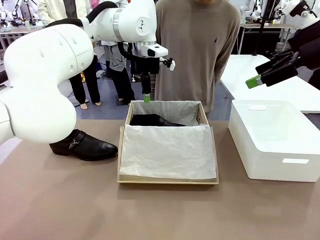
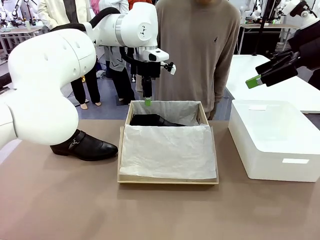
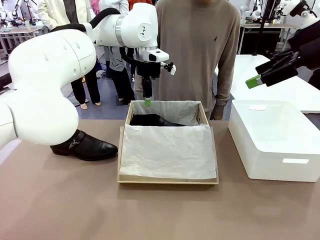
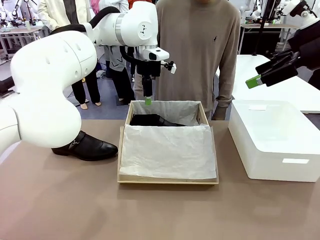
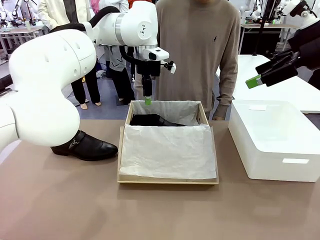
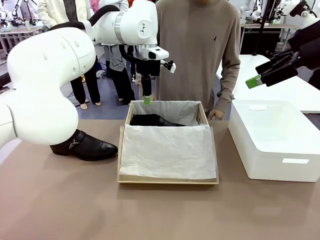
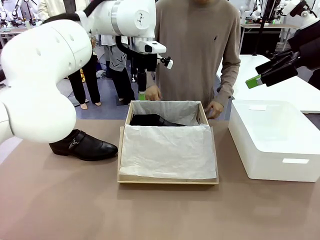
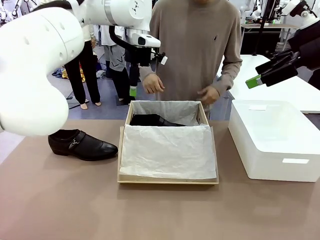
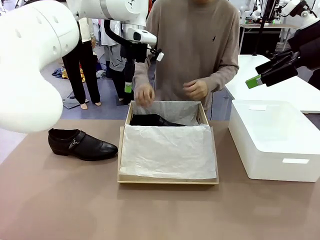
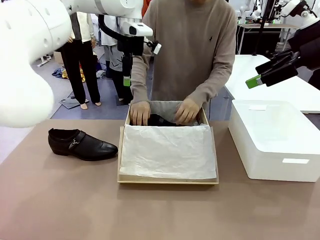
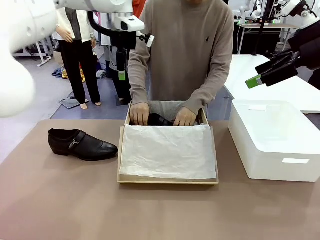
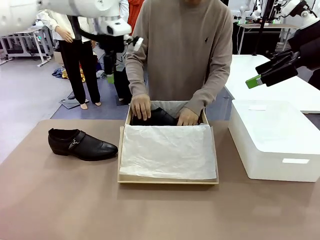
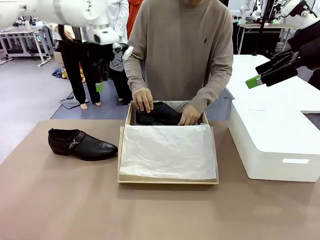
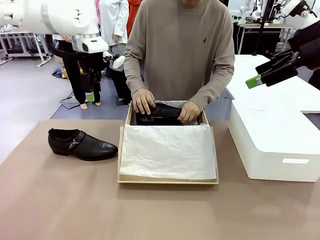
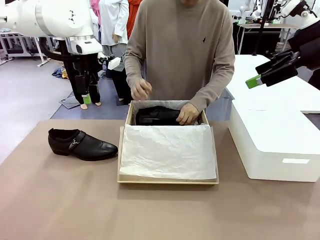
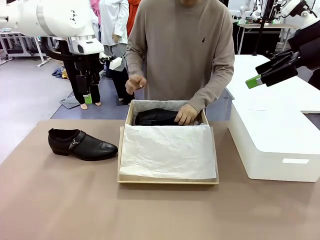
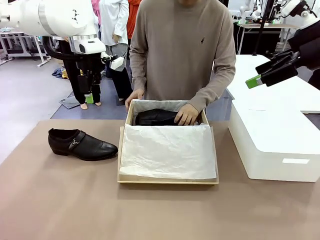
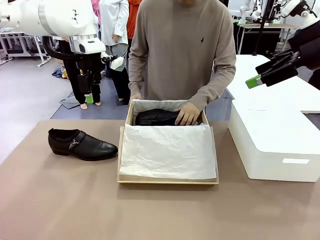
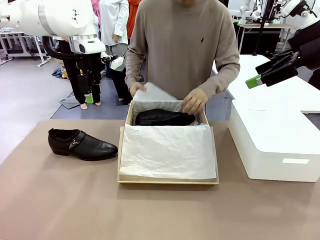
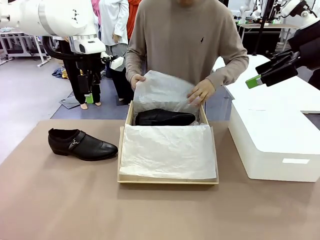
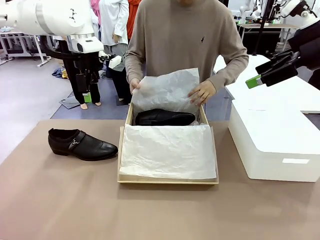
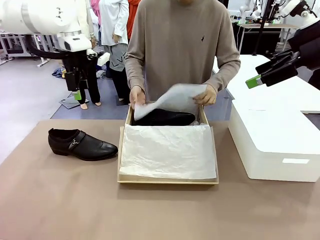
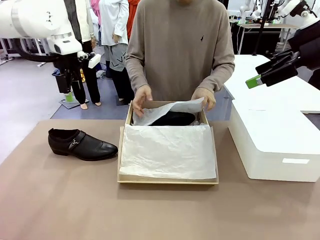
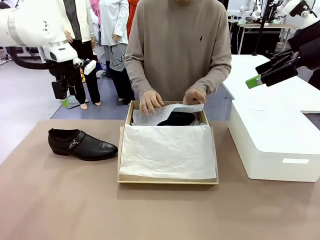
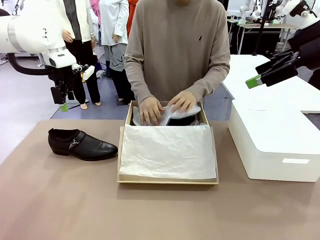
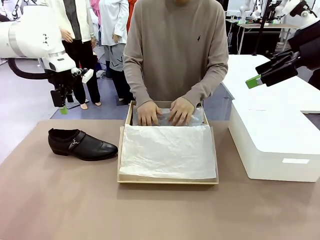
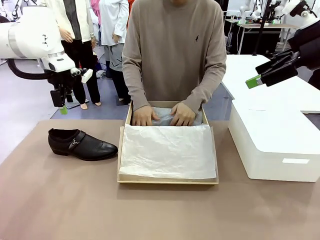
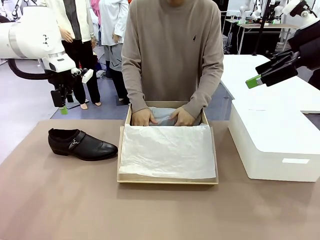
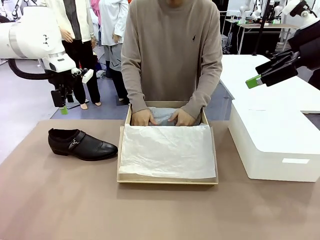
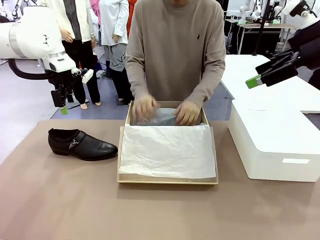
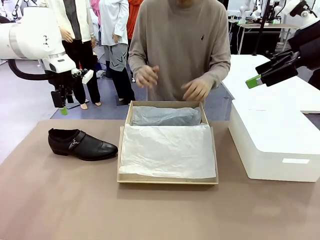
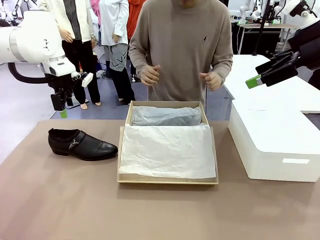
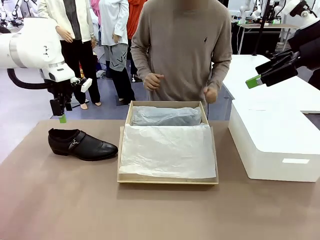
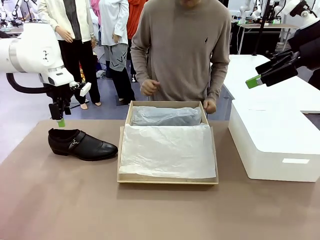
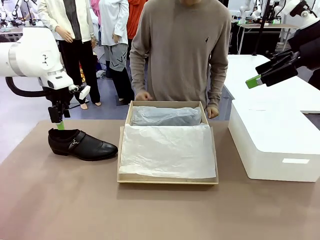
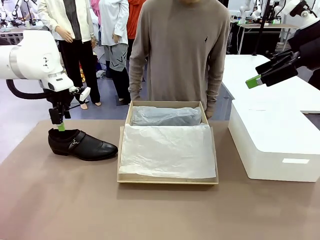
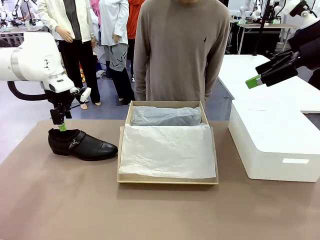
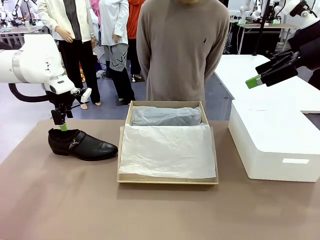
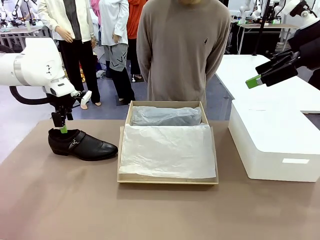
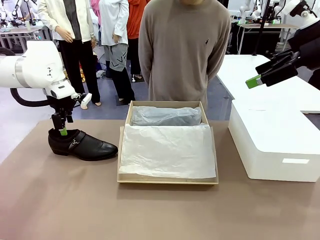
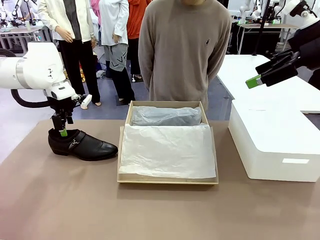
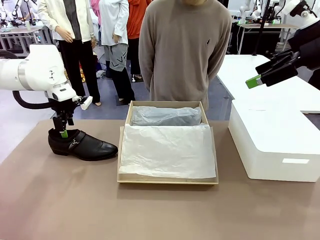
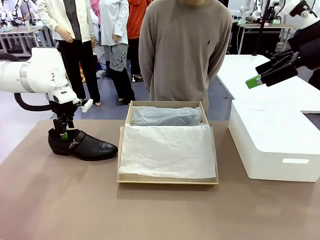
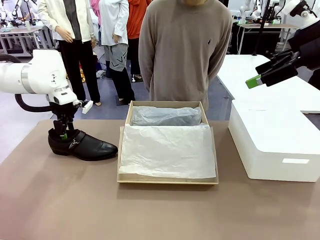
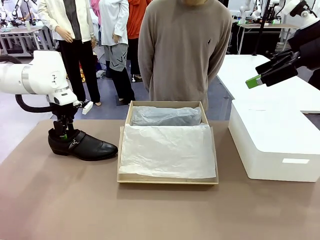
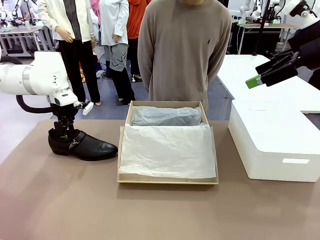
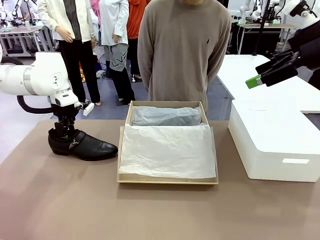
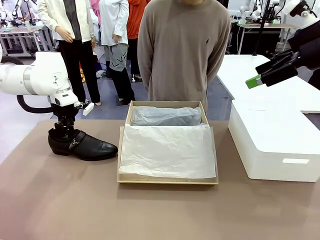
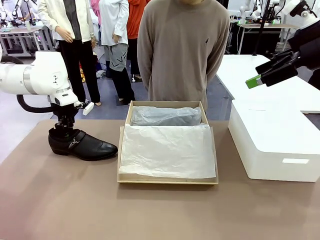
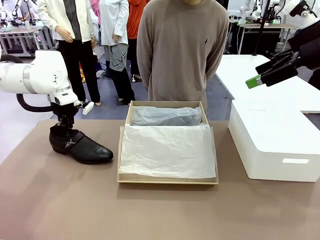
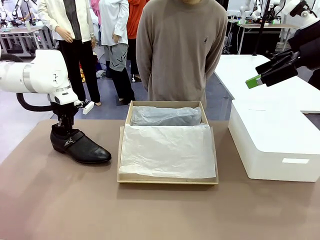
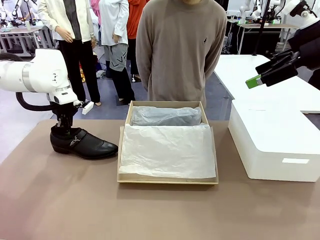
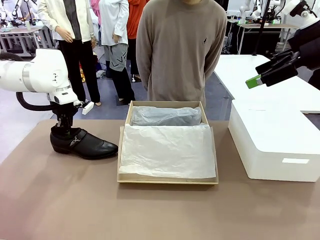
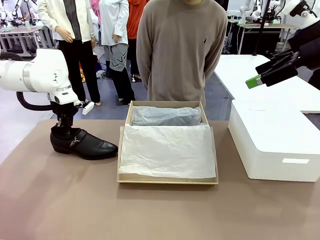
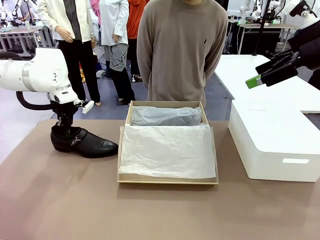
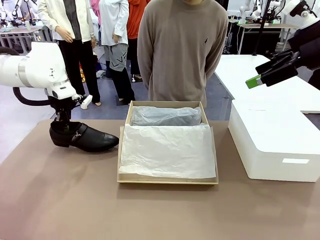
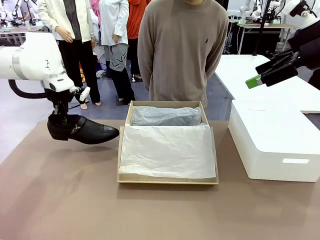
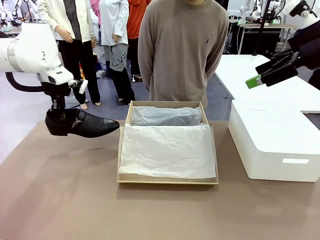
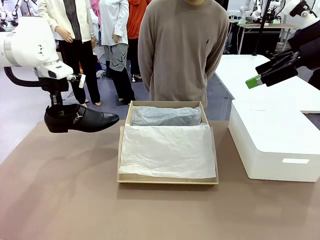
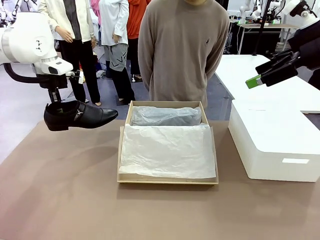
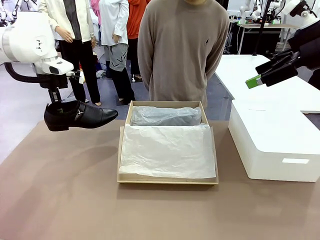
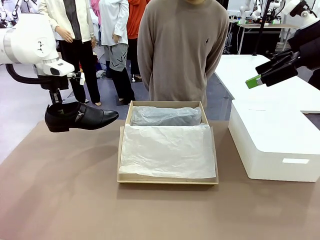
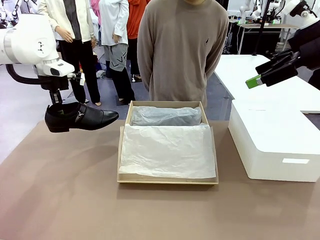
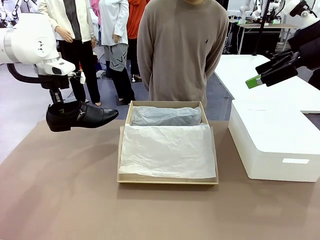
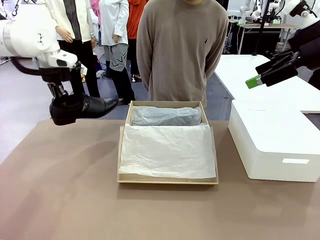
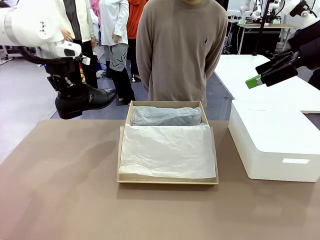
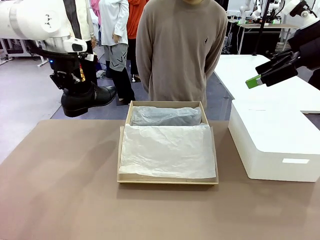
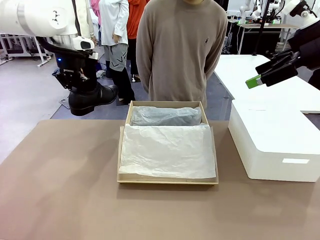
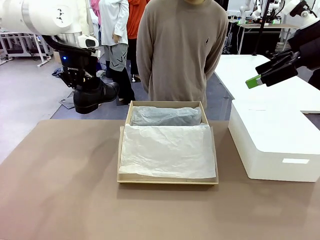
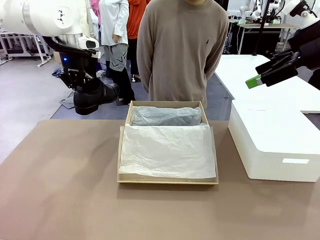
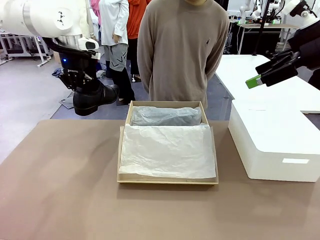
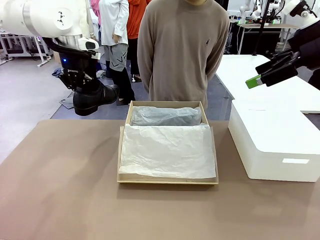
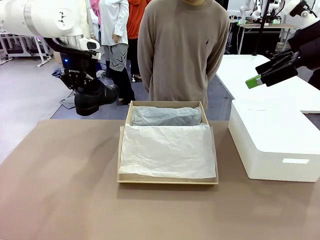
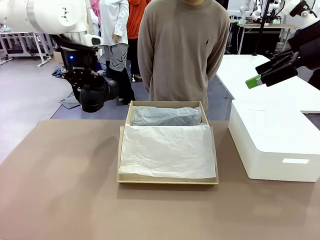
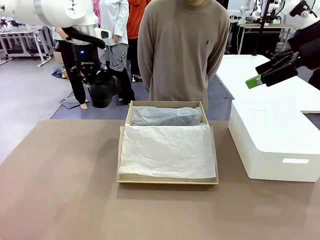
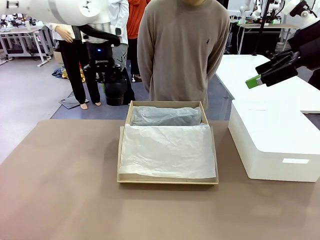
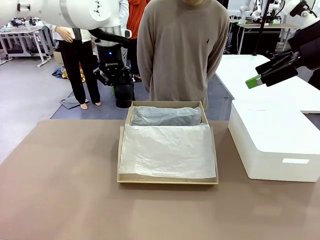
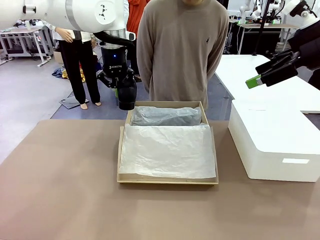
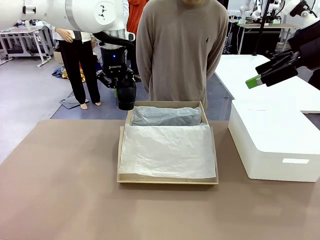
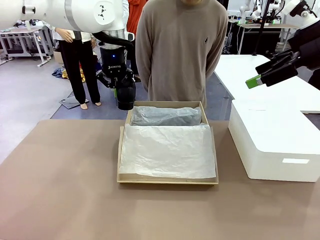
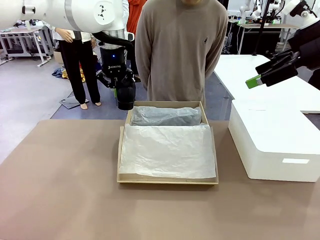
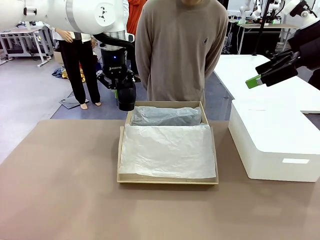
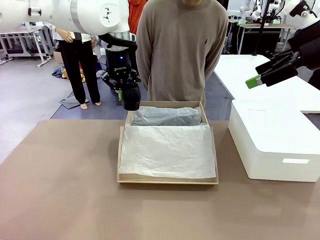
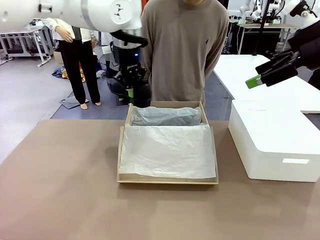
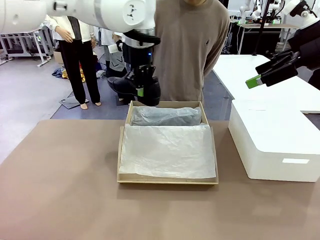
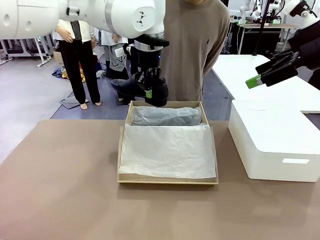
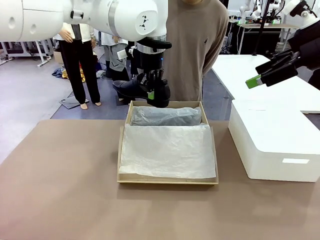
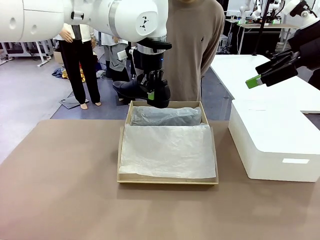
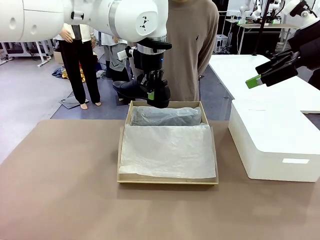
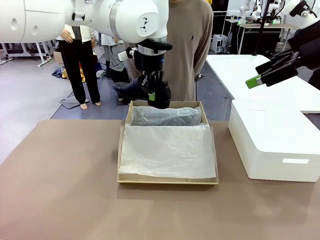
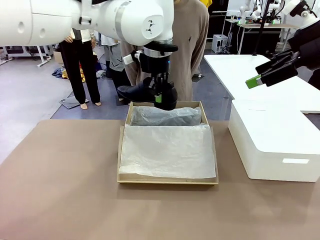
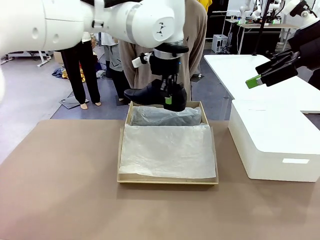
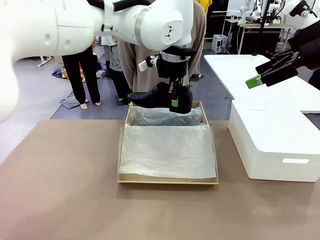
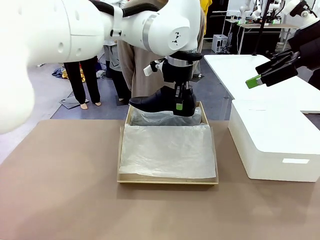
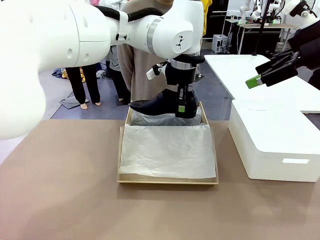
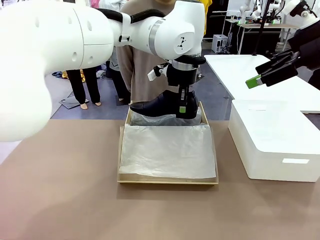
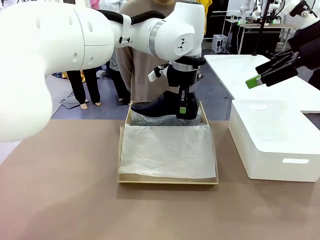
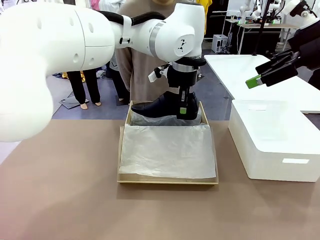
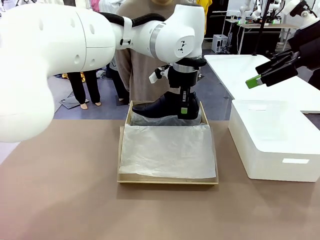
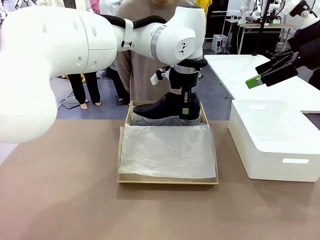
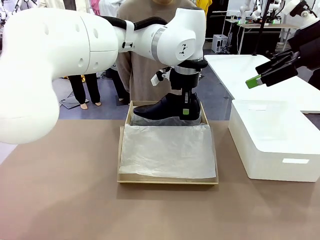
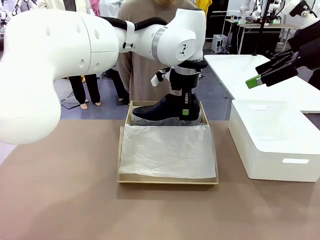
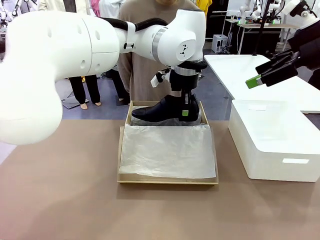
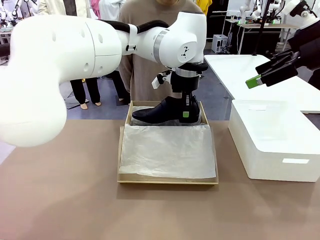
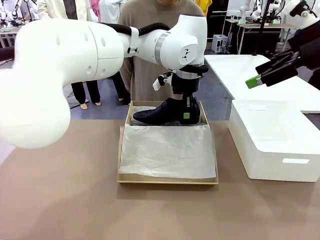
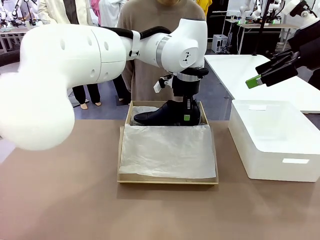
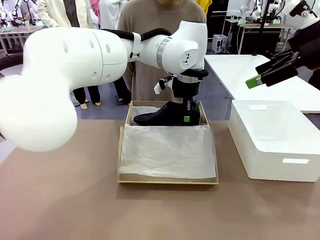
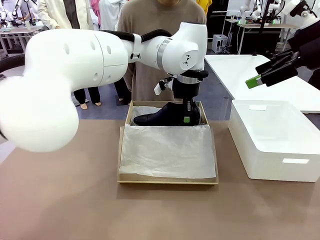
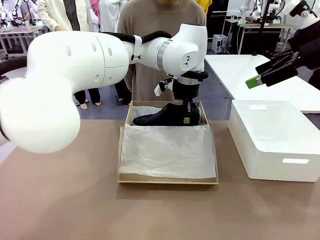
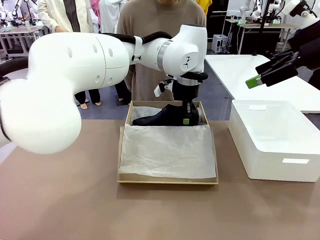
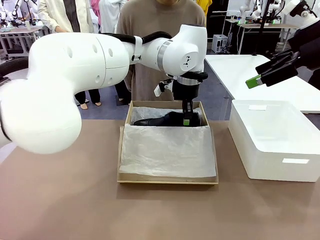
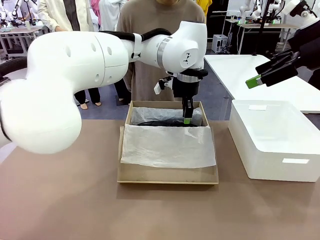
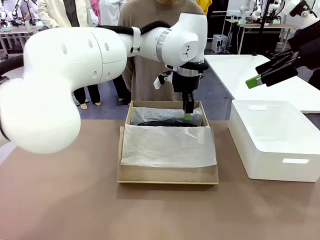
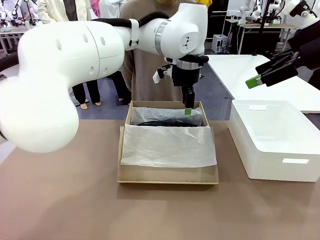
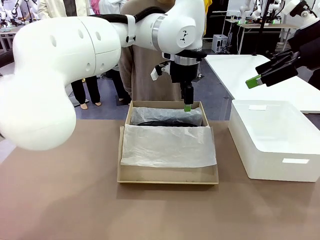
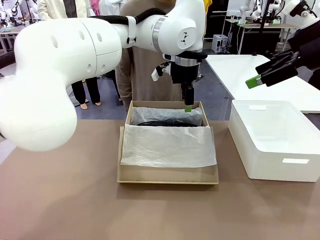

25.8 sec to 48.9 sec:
Task: Pack the shoes into the box.
Robot: Place the other shoe of the Shoes into the Shoes Box.
Person: Pack a shoe of Shoes inside the Shoes Box with Shoes Wrapping Paper.
